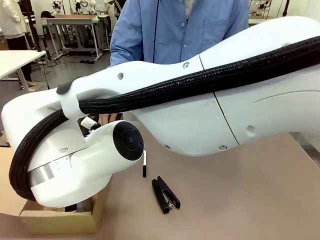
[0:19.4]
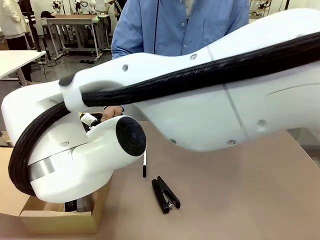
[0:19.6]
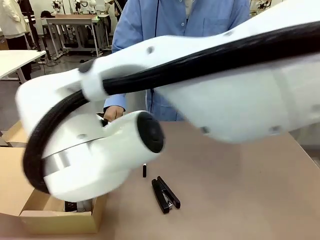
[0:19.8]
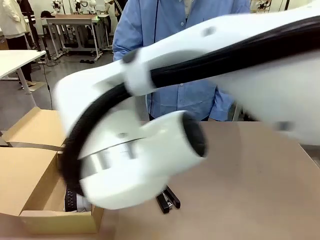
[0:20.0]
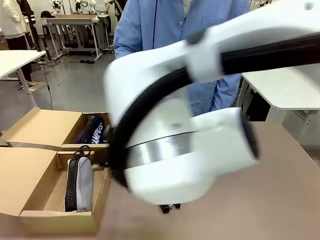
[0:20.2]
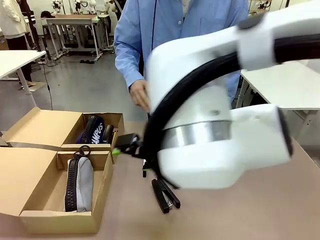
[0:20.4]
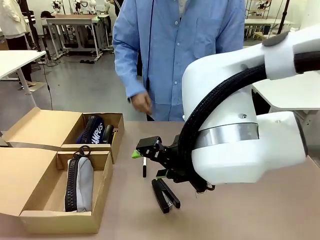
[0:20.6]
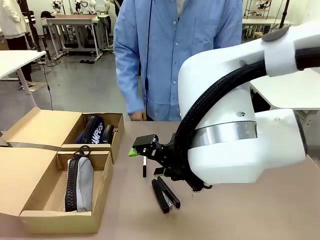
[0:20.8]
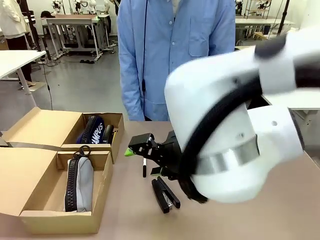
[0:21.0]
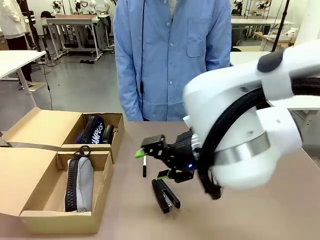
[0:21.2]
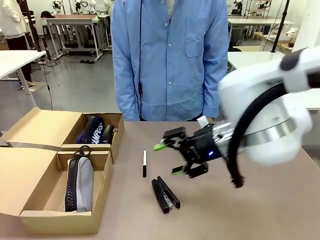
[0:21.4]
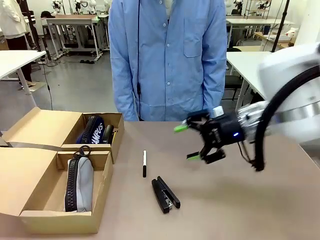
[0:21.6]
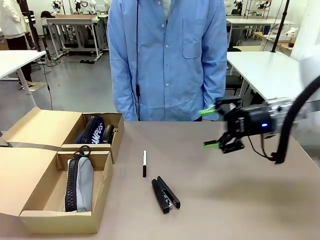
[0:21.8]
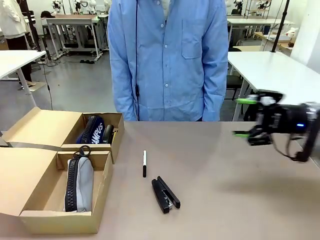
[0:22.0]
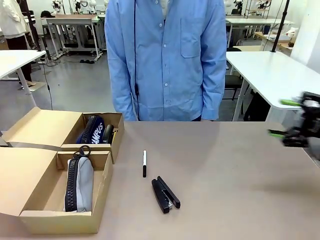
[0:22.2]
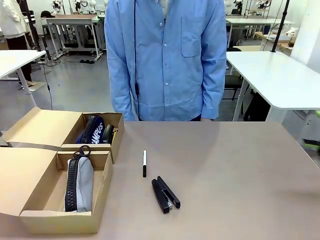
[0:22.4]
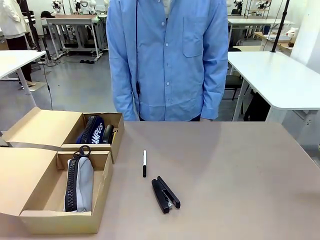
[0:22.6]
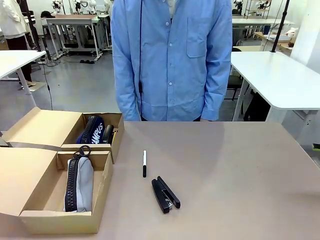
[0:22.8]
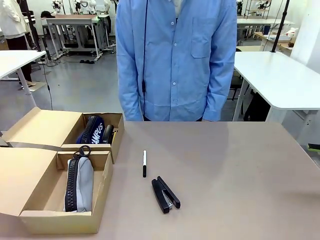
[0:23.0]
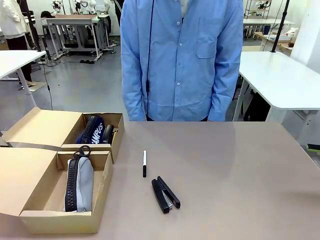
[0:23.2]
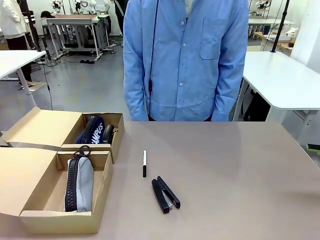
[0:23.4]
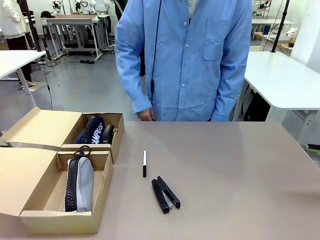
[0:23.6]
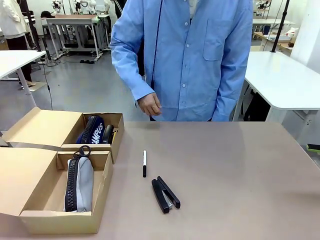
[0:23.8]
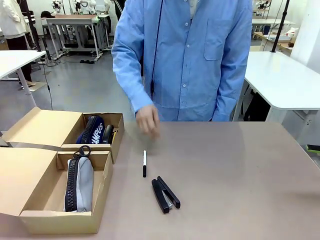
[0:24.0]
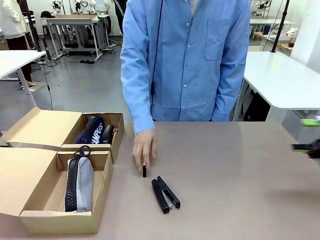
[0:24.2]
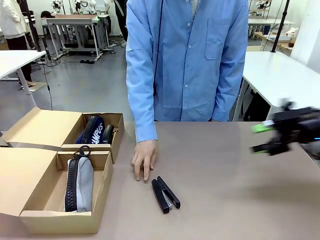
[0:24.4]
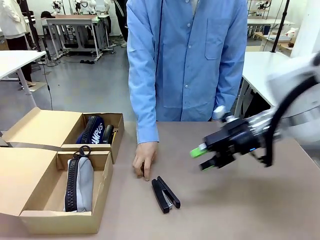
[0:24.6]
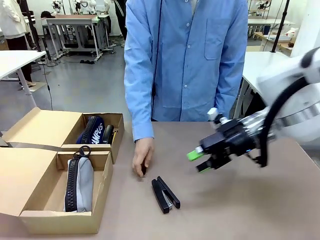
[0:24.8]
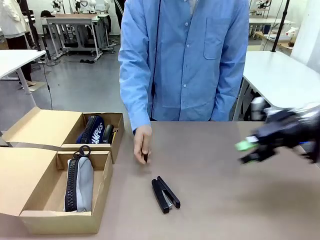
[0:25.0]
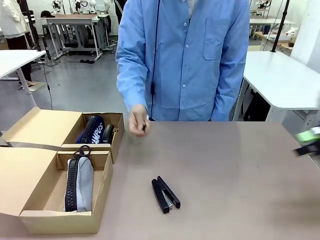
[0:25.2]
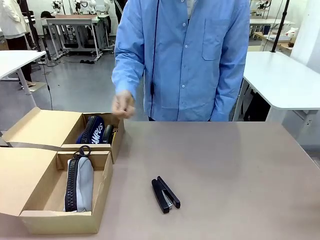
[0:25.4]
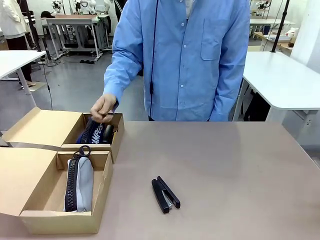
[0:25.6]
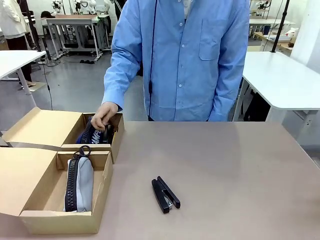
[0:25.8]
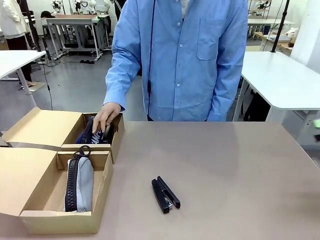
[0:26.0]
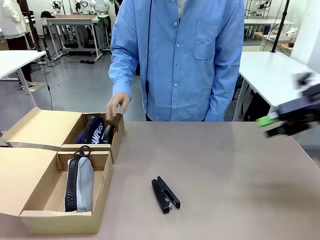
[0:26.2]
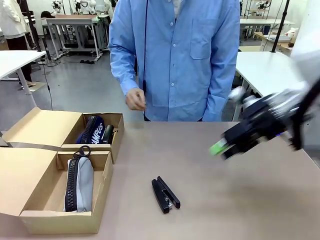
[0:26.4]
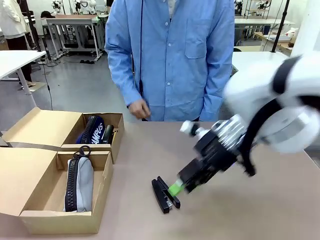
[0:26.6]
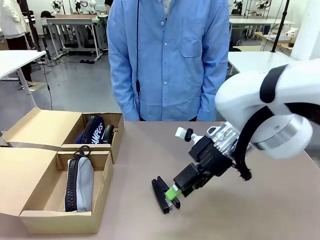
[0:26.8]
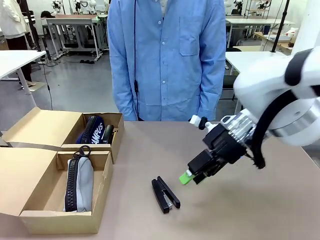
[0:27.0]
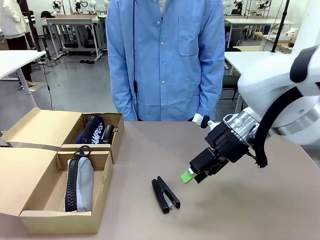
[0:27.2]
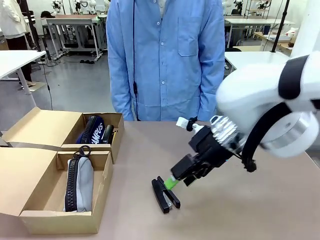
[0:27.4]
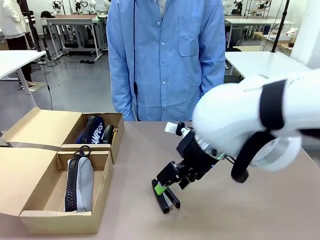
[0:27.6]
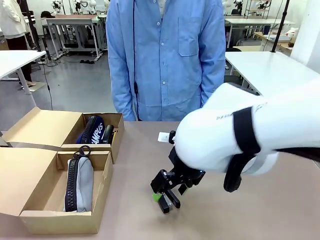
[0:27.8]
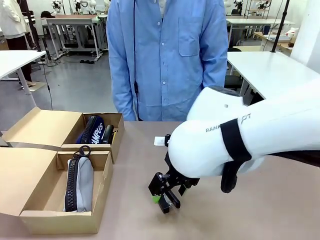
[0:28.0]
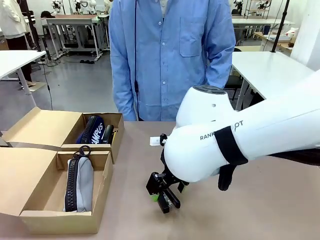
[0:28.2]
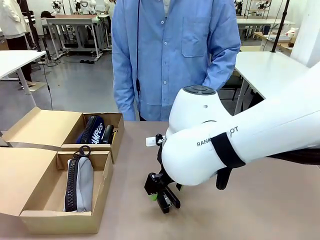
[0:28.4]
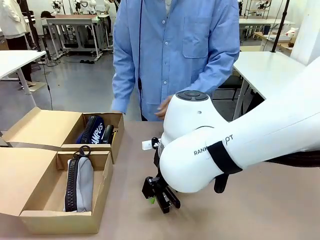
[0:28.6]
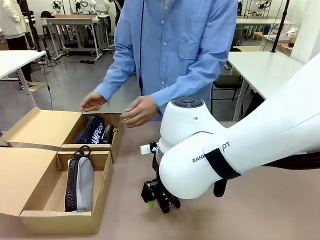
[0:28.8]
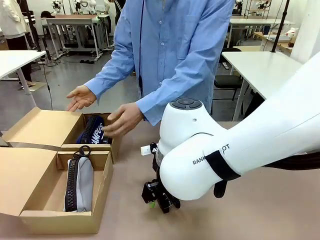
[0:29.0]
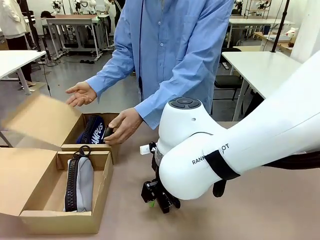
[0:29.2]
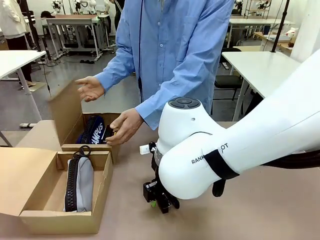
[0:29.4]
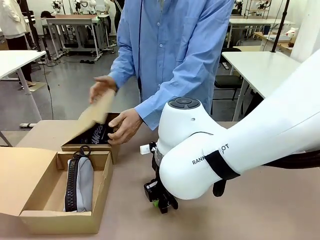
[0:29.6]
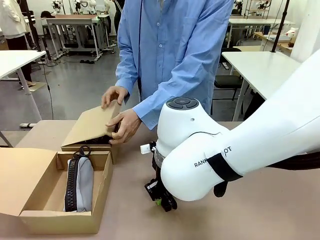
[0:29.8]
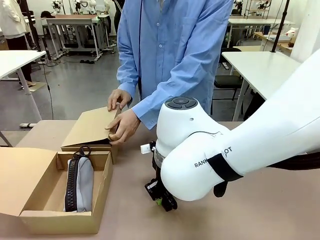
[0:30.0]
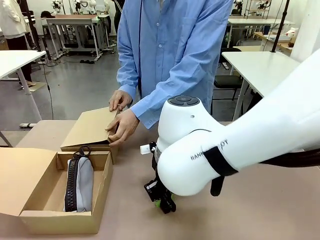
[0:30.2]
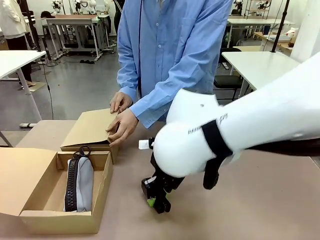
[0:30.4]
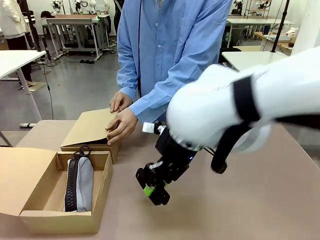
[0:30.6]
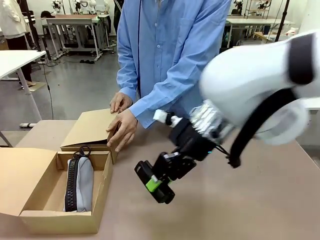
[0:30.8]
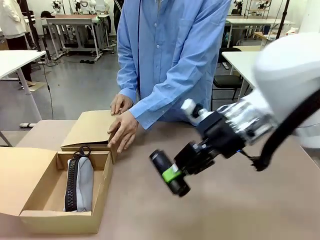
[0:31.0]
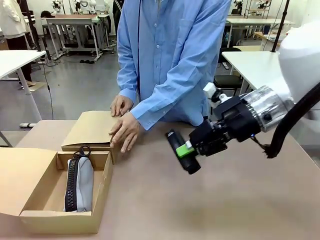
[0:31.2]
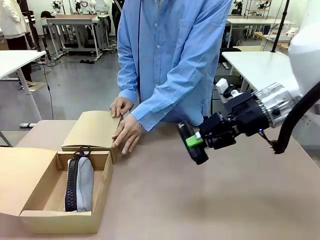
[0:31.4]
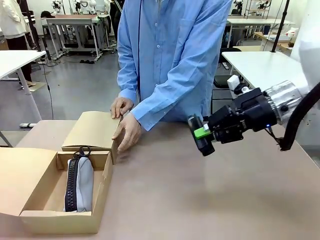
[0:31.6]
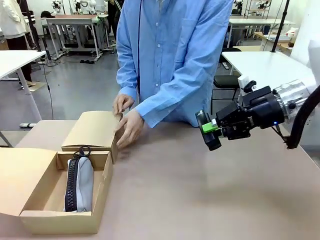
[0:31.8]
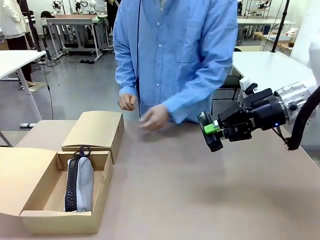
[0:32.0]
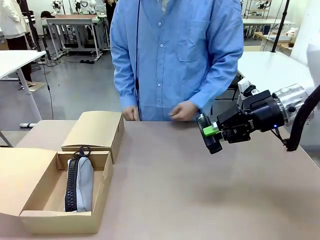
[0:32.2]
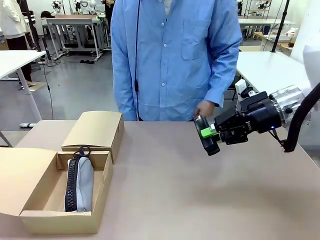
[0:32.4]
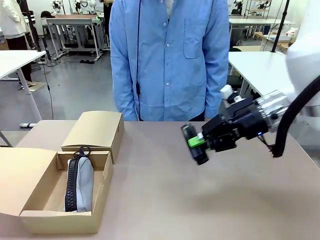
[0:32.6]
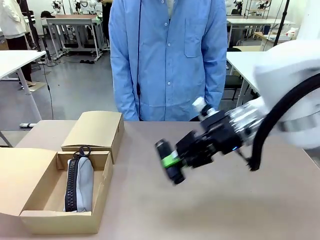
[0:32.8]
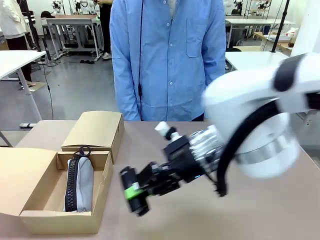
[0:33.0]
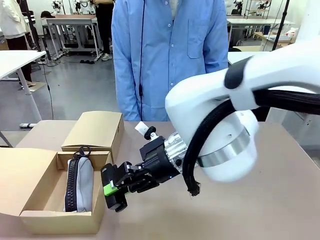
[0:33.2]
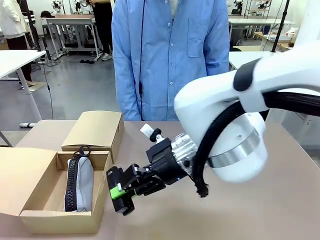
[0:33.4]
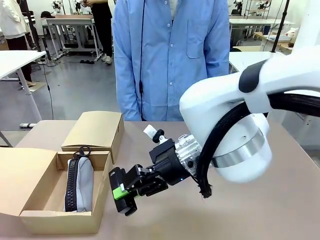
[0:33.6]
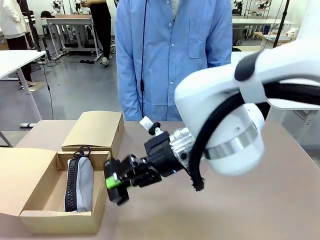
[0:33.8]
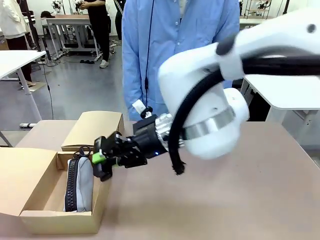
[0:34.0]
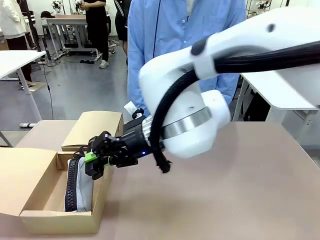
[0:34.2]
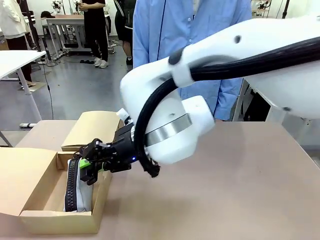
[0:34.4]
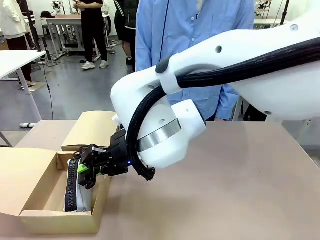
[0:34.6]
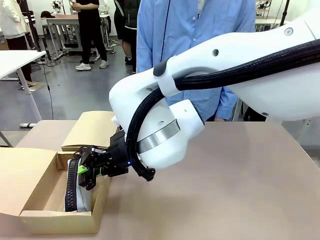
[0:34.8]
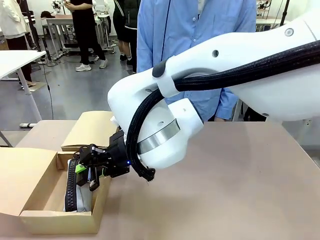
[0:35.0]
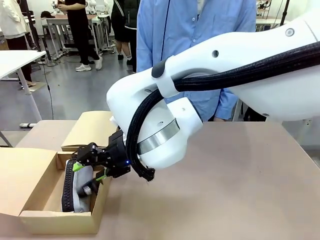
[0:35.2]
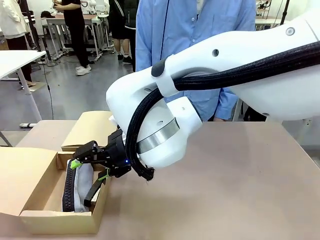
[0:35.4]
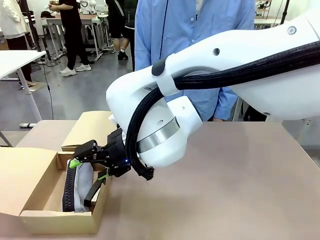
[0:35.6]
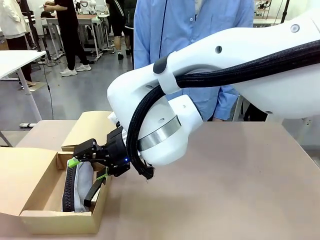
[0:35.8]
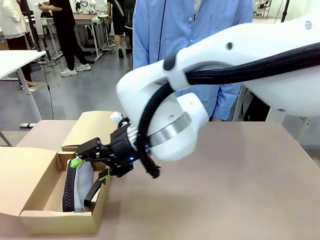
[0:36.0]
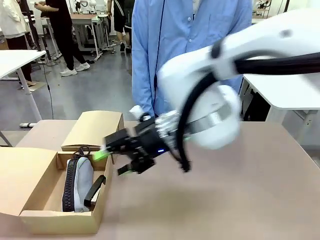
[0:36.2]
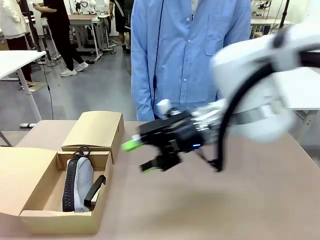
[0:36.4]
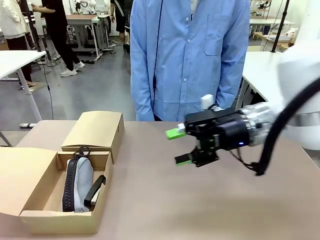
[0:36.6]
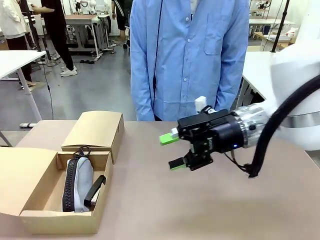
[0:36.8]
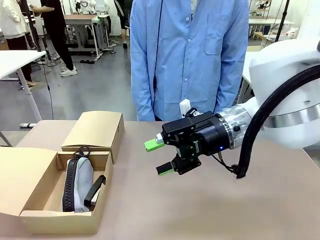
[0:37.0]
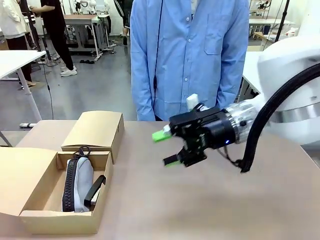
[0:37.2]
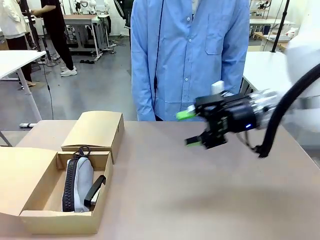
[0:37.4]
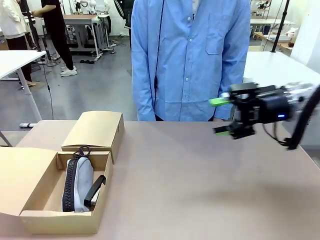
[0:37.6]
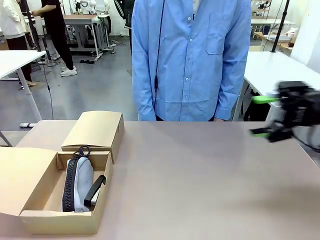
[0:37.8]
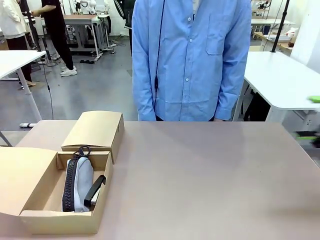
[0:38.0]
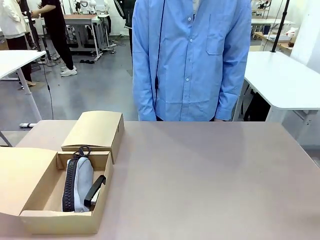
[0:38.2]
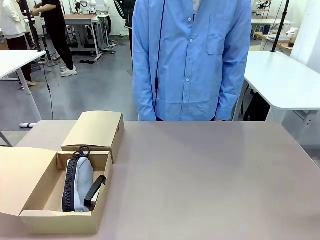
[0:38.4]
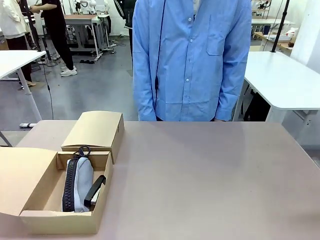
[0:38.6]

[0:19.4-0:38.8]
Task: Place items inside the box.
Robot: Pick up a Pencil pouch or Stapler and place it inside the Mailer Box closest to the robot.
Person: Close the lid of the box facing the person.
